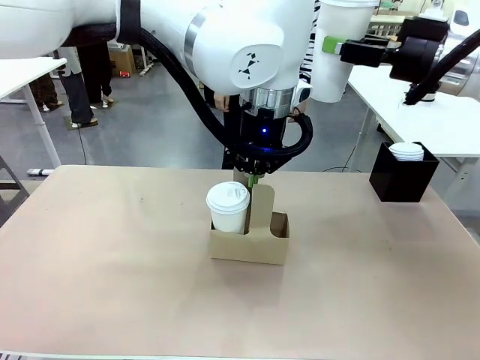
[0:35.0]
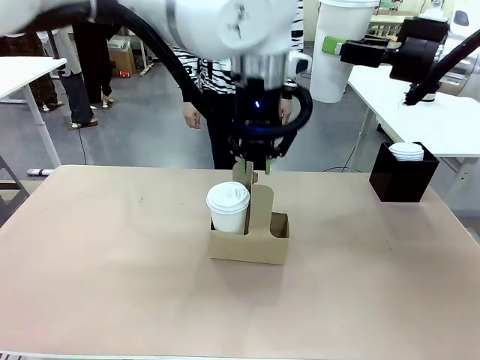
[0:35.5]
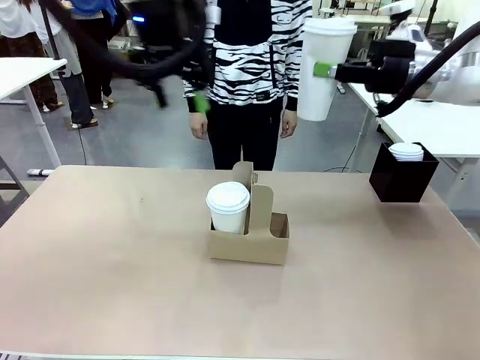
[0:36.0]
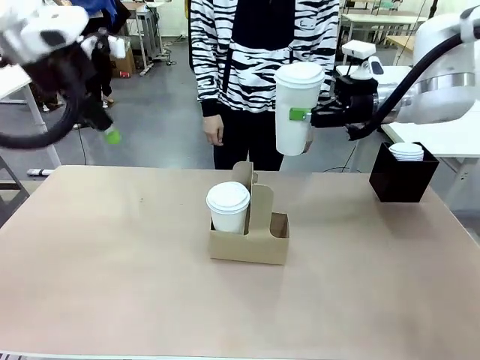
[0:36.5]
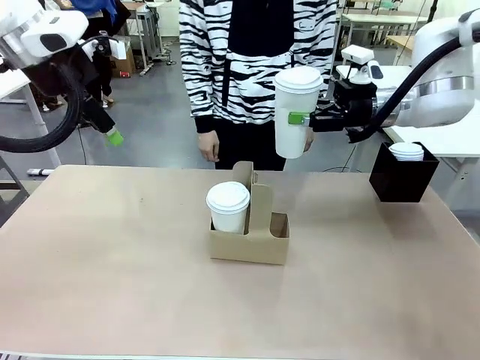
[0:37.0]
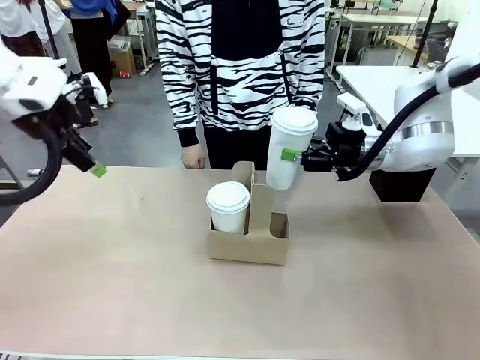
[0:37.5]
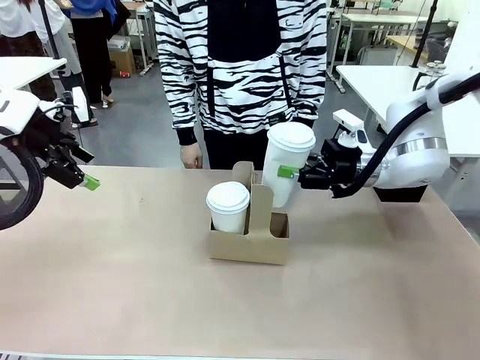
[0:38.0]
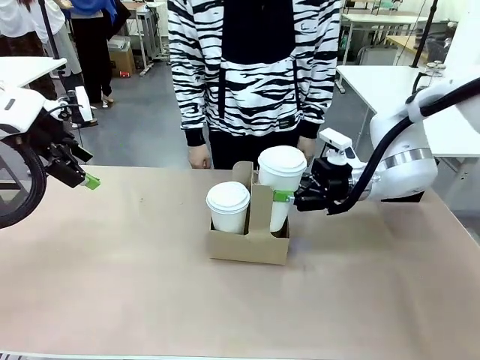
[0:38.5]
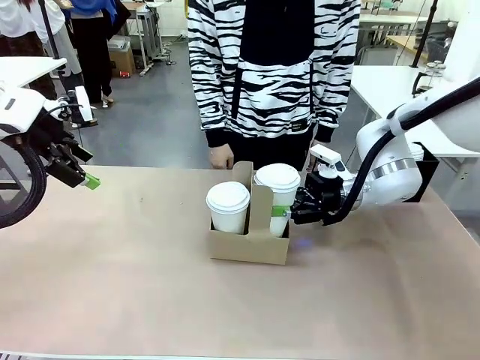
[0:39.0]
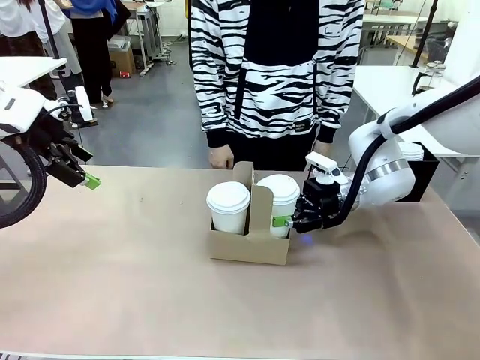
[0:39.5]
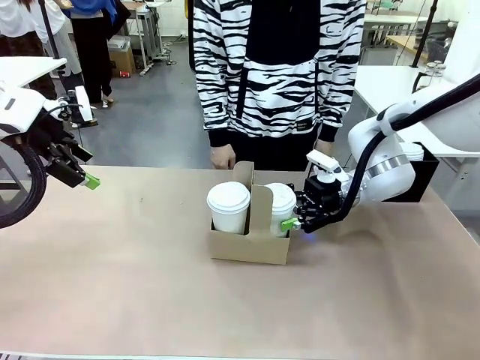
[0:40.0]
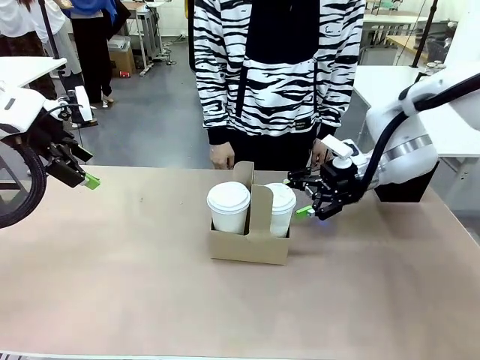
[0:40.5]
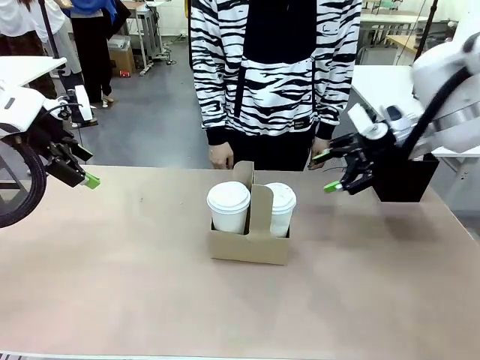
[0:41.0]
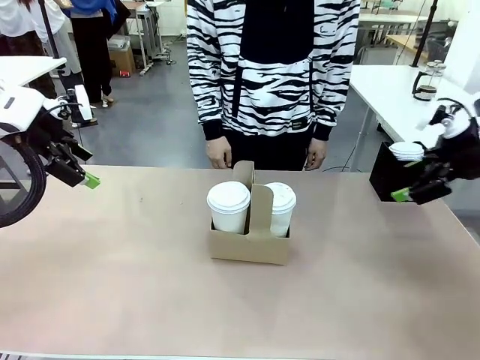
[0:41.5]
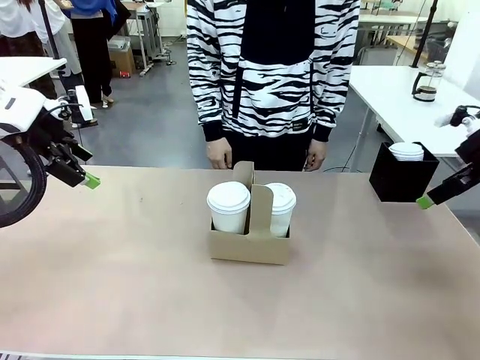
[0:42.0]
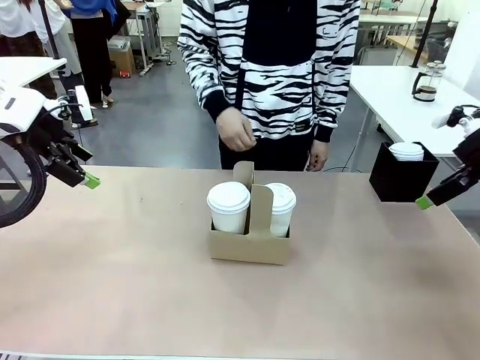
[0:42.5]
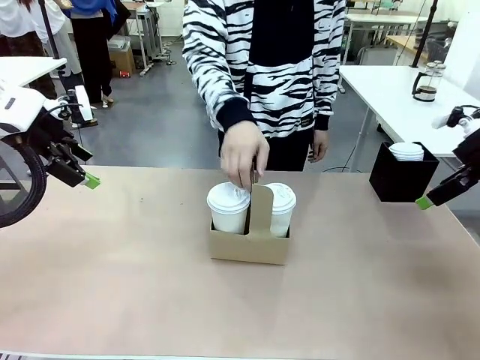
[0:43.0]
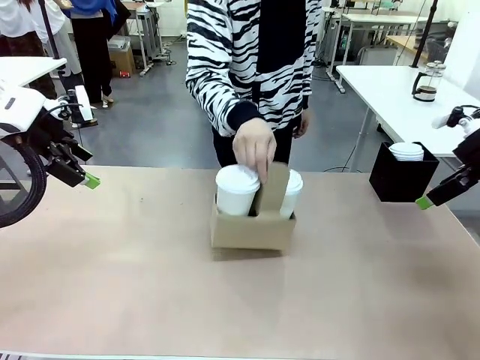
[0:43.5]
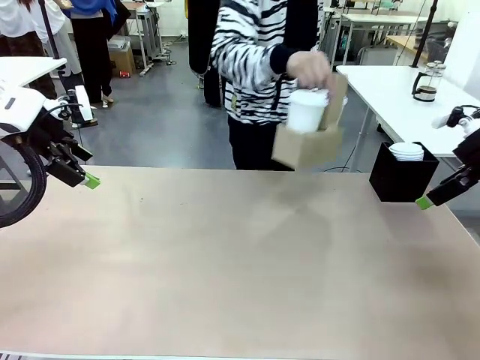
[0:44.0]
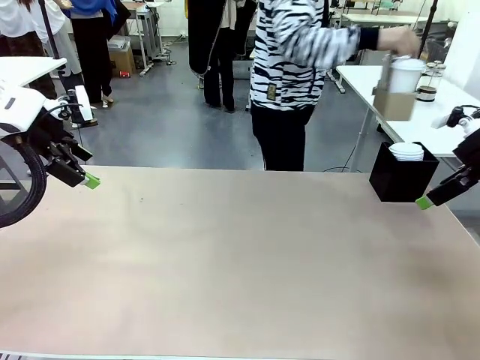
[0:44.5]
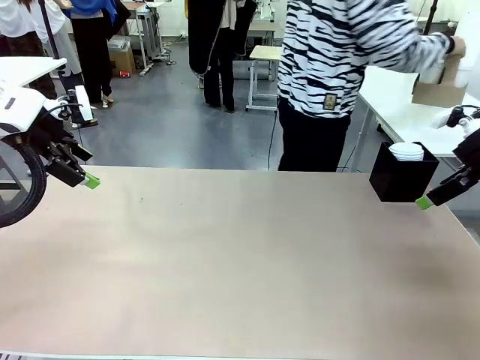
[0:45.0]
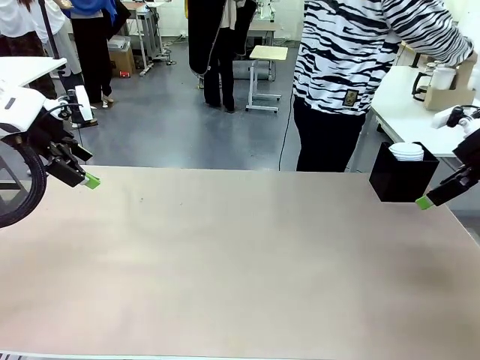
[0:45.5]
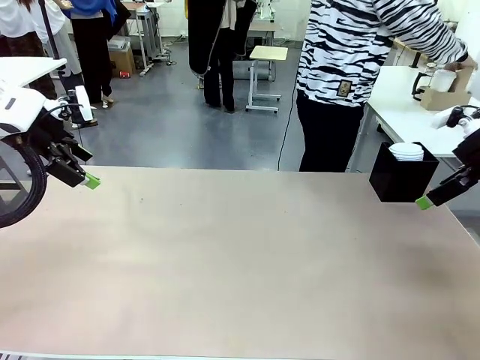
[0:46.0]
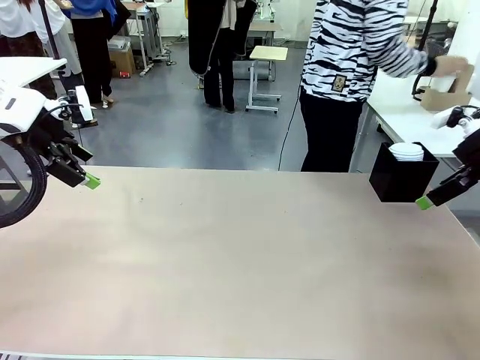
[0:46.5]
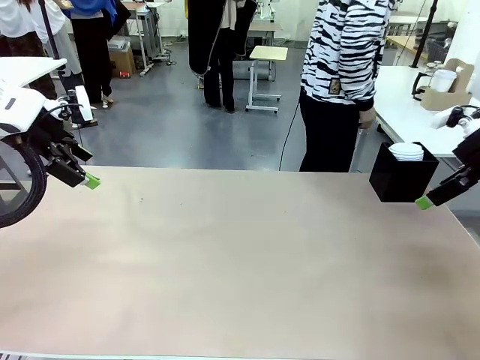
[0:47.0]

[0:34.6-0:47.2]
Task: Pour a drink into a cup and package it in a carrier.
Robot: Insert the held 600 ml Paper Cup into the Cup Carrier.
Person: Place the Cup Carrier to the middle of Human table.

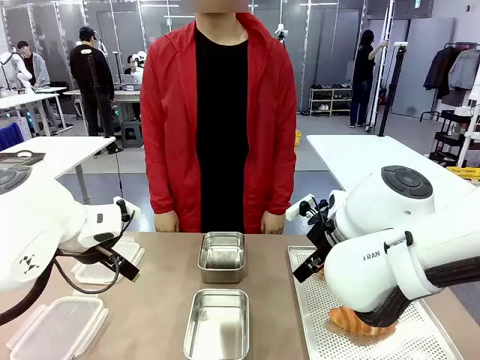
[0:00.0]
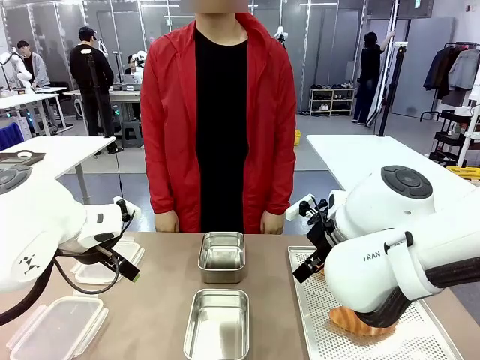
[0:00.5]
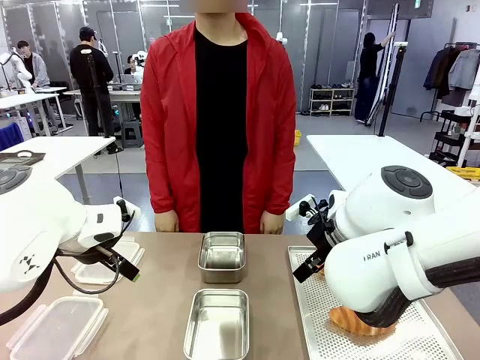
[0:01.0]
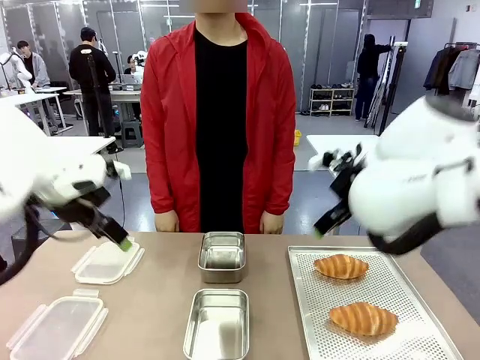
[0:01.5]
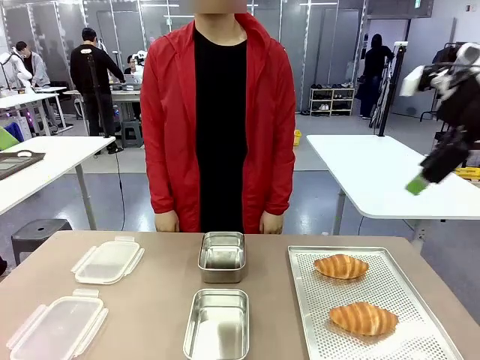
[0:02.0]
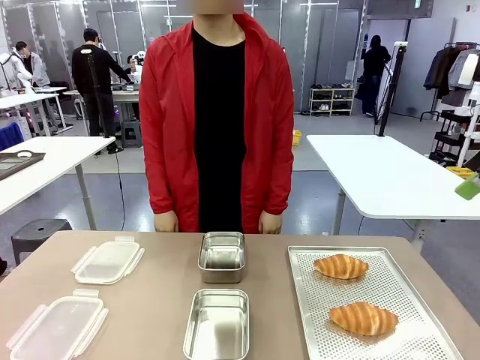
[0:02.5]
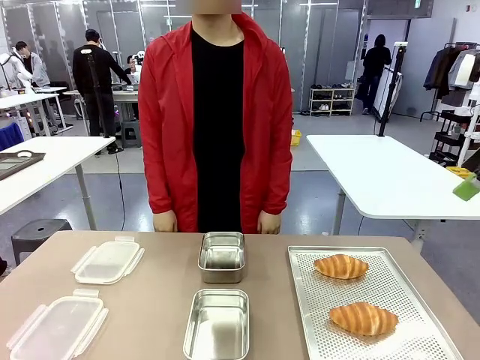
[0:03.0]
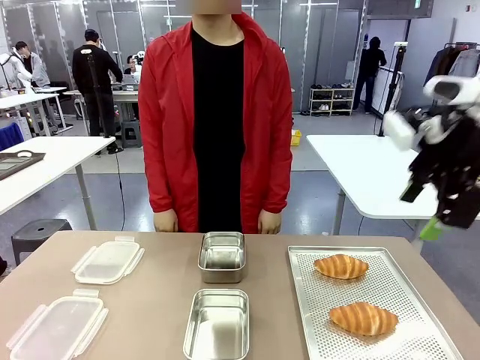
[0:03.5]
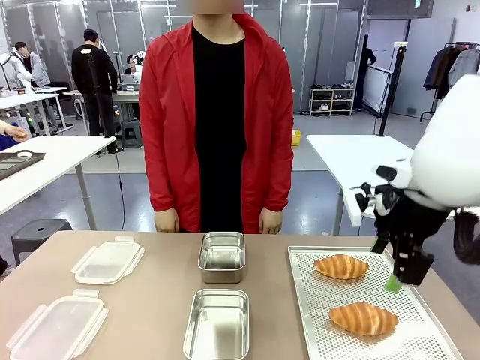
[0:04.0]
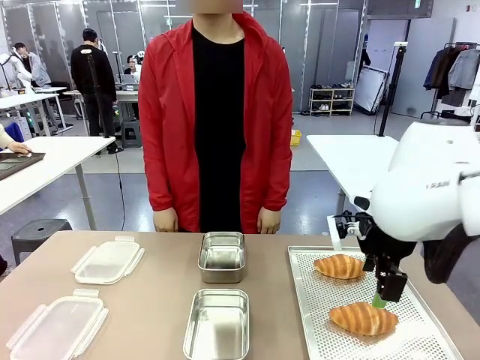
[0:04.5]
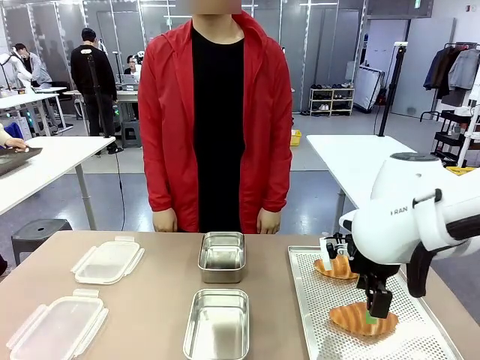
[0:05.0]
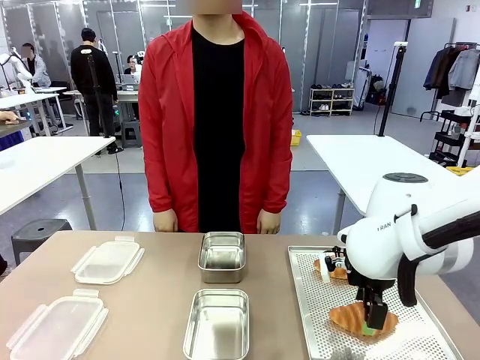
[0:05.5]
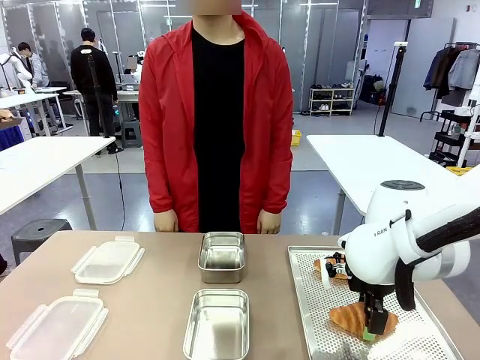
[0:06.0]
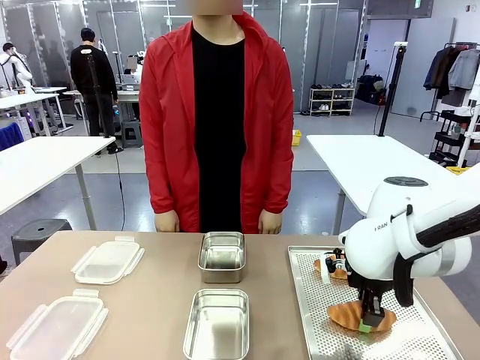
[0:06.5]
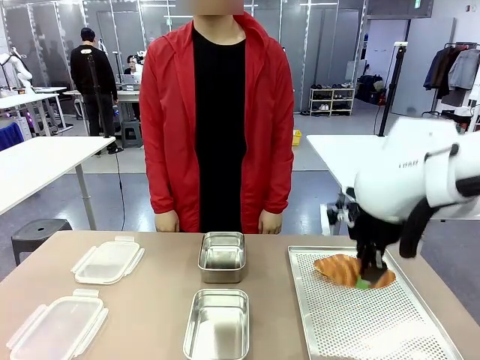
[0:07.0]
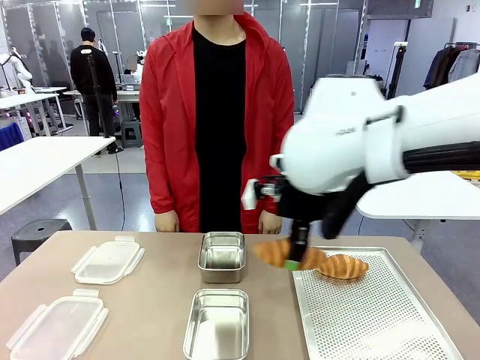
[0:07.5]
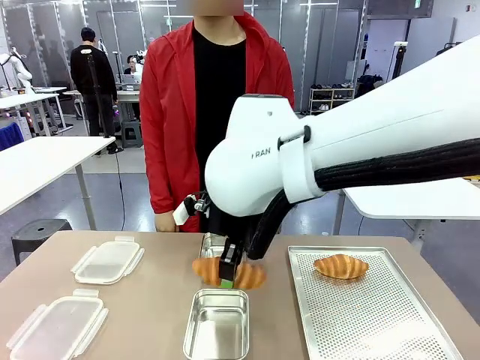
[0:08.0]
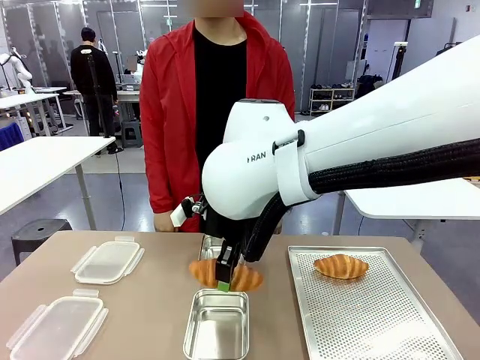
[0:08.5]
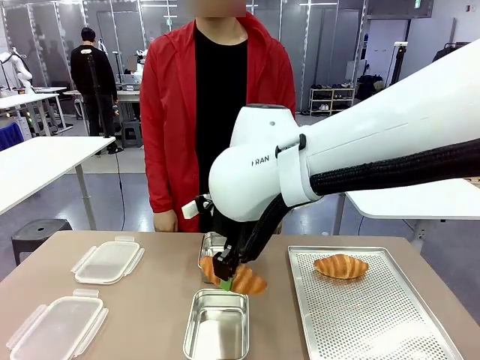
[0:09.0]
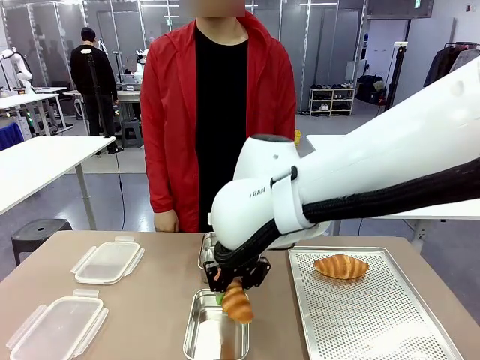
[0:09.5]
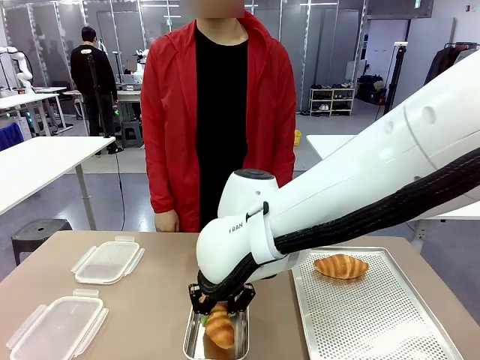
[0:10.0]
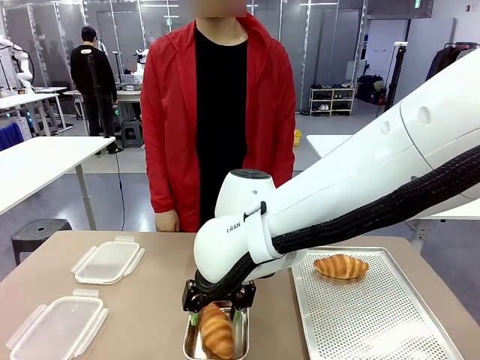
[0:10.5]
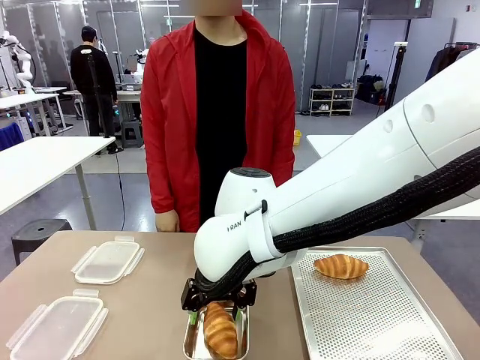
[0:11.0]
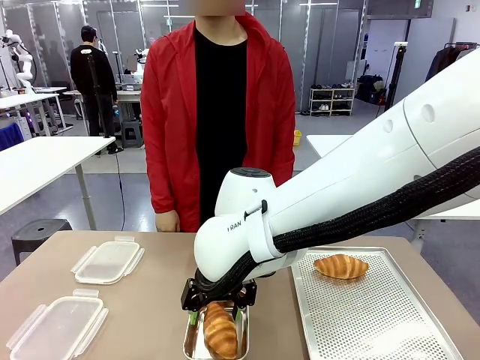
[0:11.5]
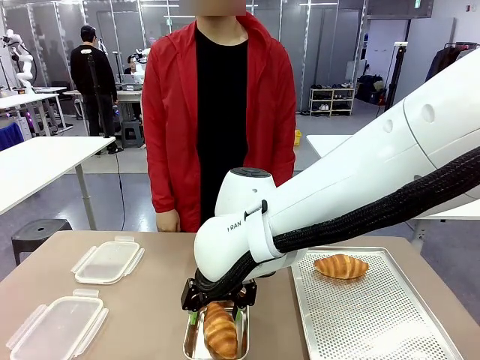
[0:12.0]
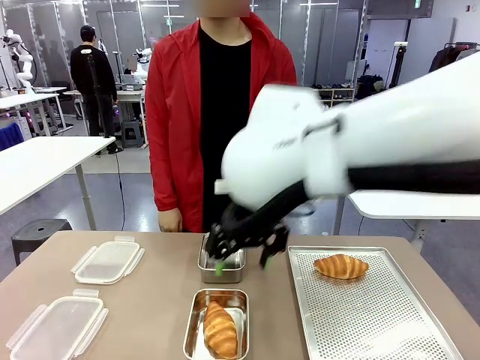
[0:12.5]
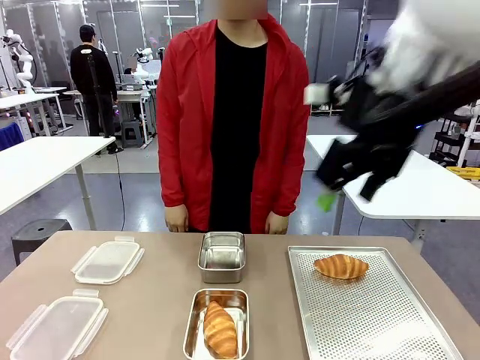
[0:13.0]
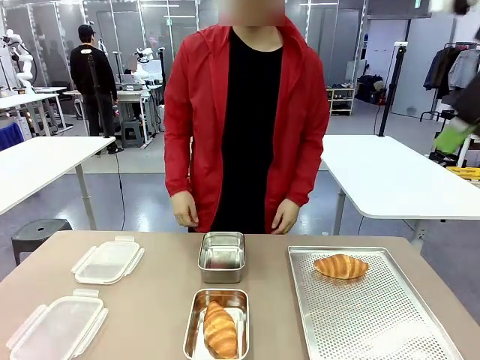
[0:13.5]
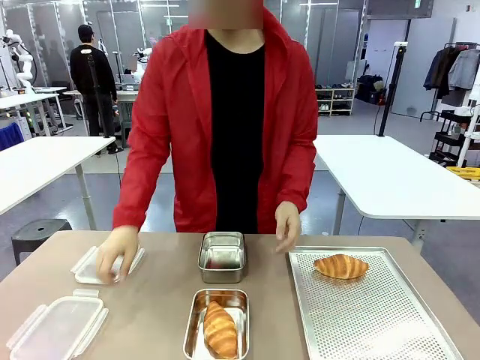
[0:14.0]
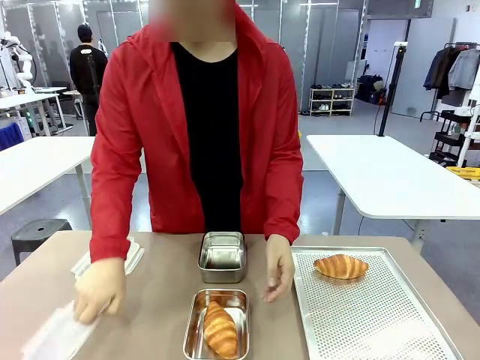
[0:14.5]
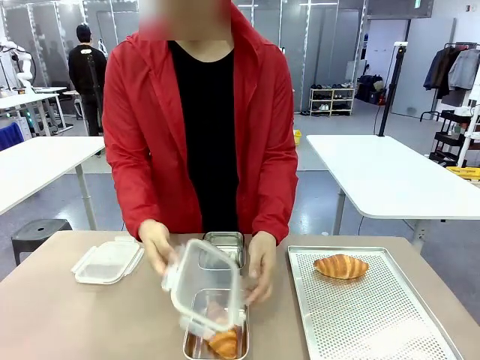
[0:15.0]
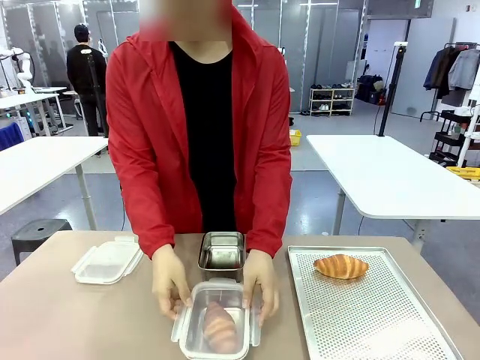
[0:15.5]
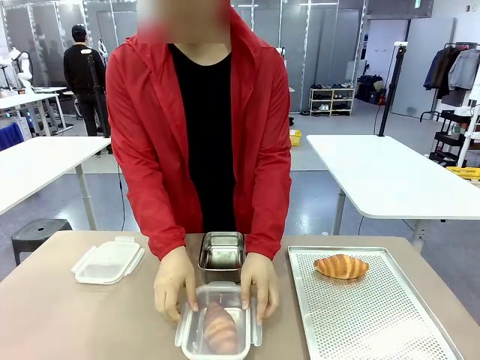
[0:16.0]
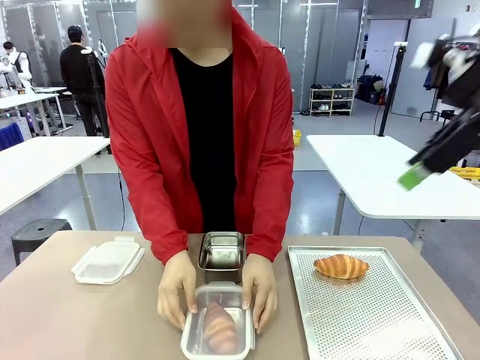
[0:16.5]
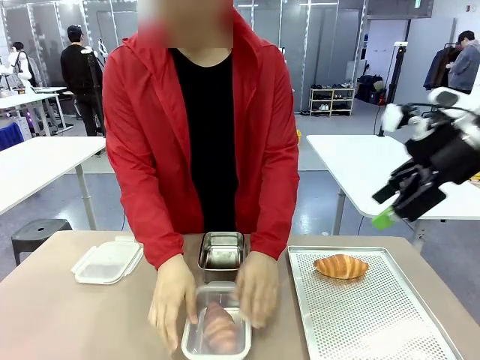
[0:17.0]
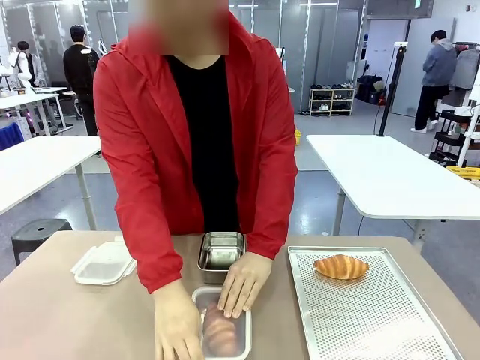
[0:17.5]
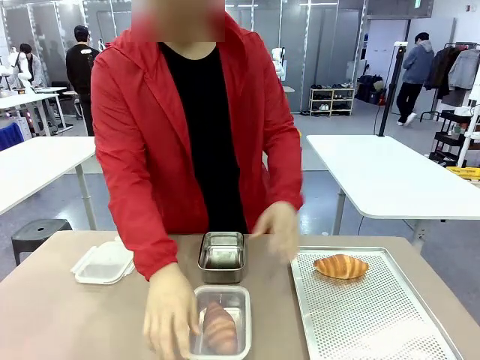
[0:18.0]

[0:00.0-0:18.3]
Task: Place the bread into the airtight container.
Robot: Pick up a Butter Roll and place it into an empty Airtight Container.
